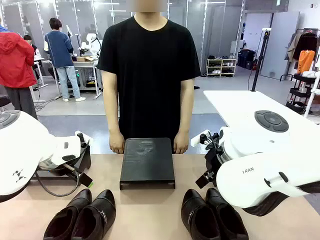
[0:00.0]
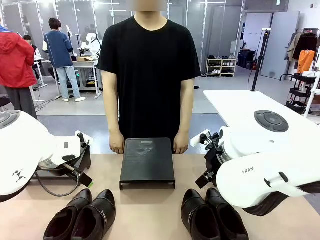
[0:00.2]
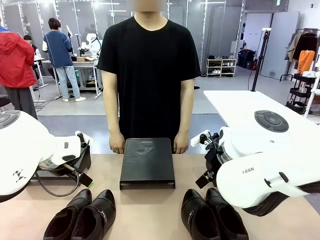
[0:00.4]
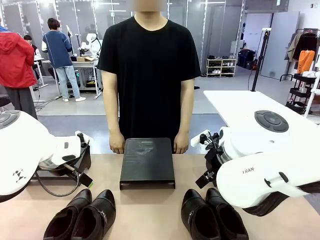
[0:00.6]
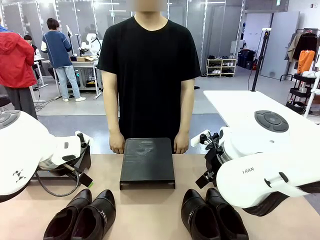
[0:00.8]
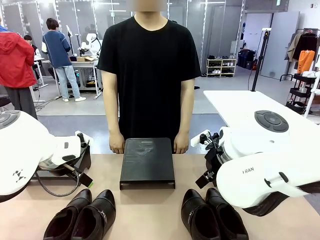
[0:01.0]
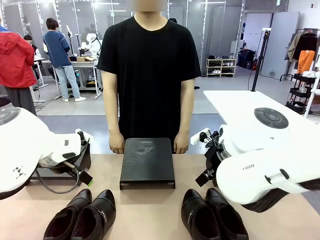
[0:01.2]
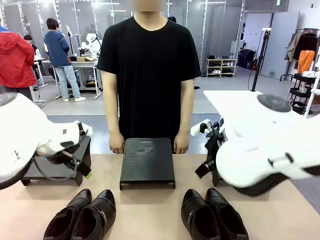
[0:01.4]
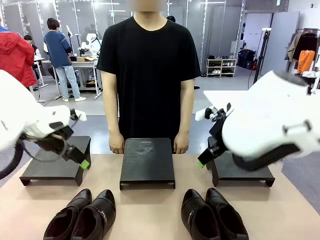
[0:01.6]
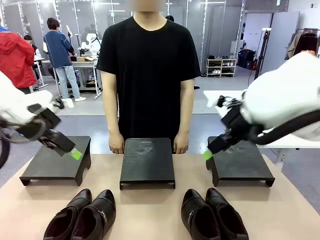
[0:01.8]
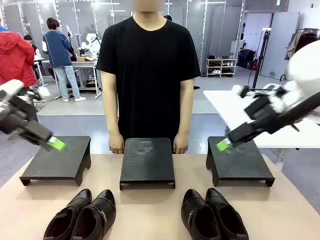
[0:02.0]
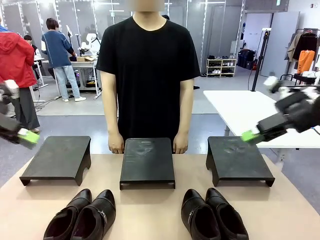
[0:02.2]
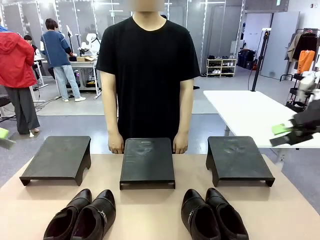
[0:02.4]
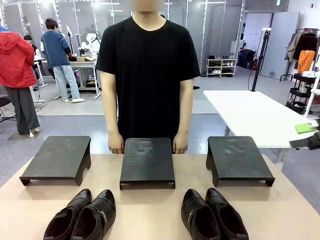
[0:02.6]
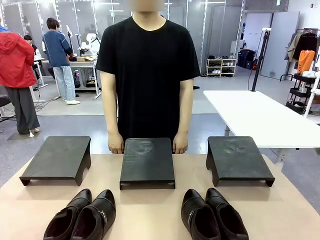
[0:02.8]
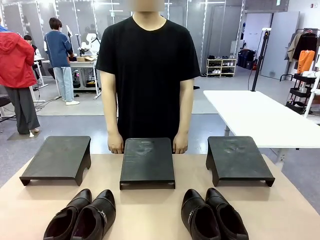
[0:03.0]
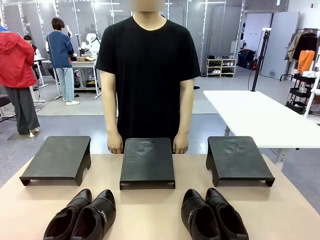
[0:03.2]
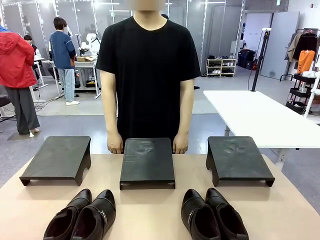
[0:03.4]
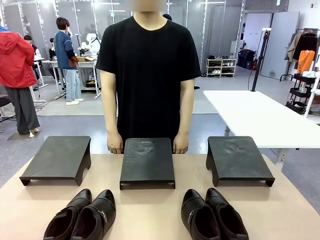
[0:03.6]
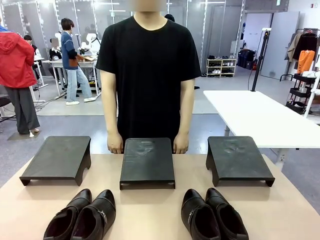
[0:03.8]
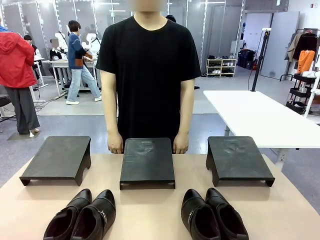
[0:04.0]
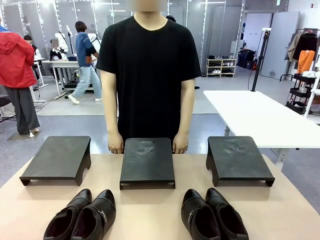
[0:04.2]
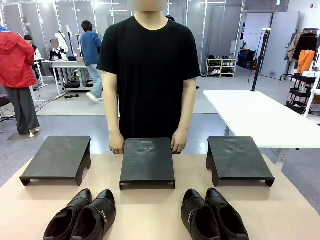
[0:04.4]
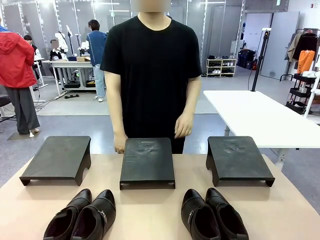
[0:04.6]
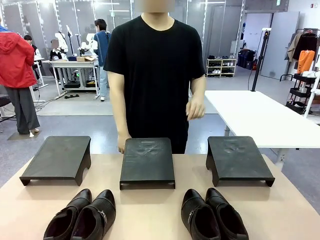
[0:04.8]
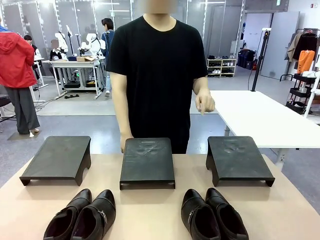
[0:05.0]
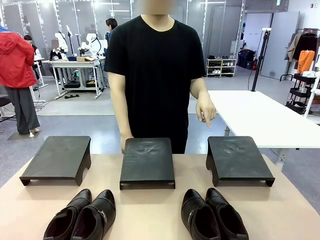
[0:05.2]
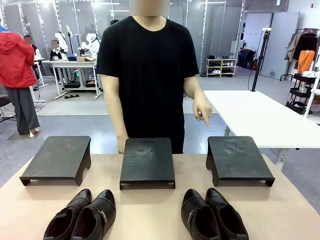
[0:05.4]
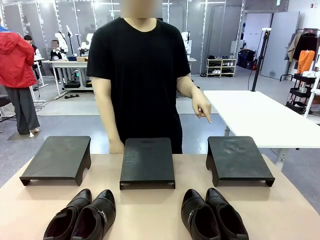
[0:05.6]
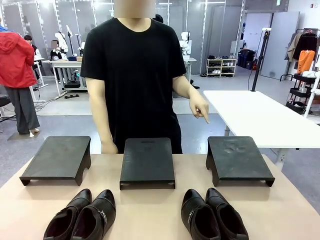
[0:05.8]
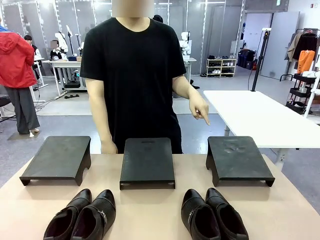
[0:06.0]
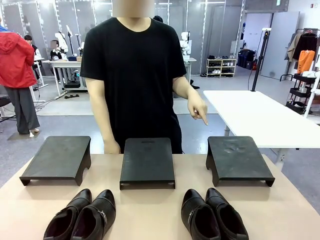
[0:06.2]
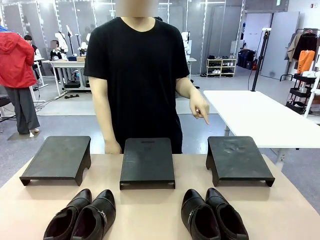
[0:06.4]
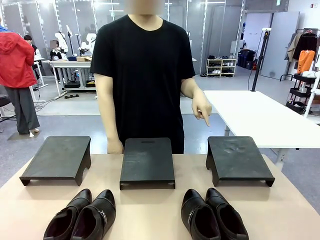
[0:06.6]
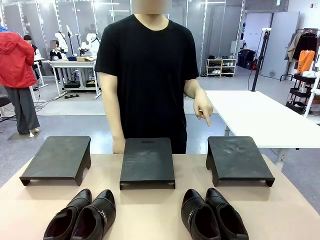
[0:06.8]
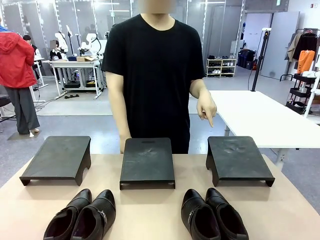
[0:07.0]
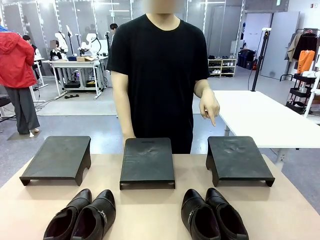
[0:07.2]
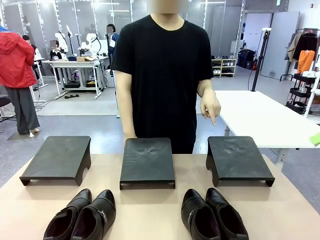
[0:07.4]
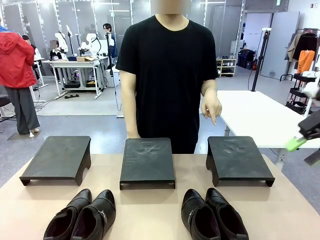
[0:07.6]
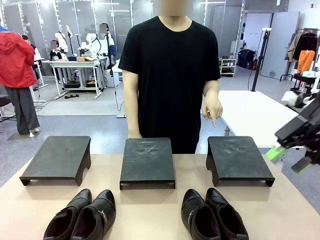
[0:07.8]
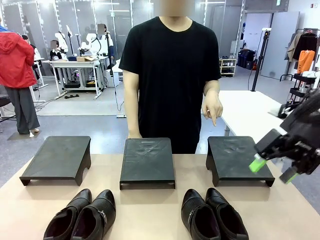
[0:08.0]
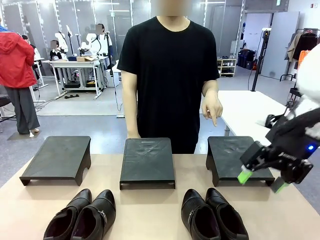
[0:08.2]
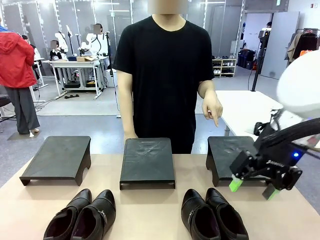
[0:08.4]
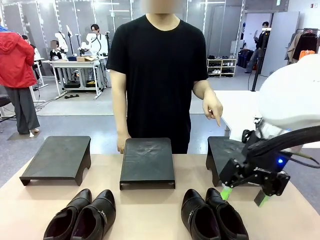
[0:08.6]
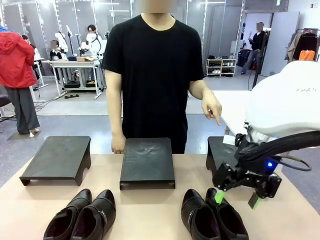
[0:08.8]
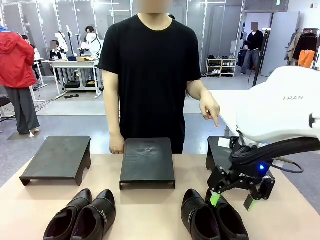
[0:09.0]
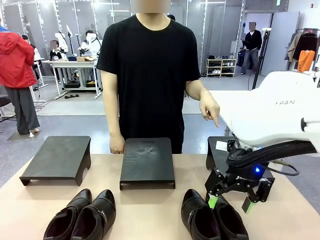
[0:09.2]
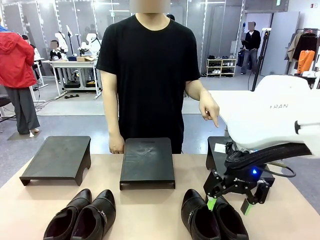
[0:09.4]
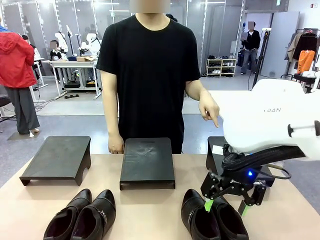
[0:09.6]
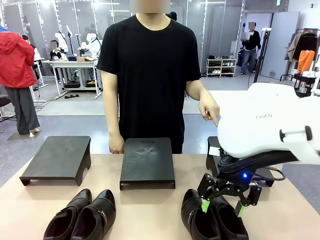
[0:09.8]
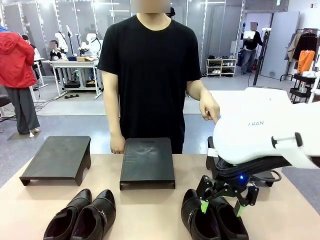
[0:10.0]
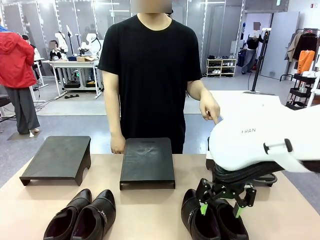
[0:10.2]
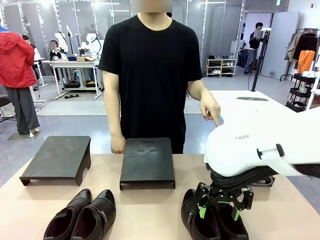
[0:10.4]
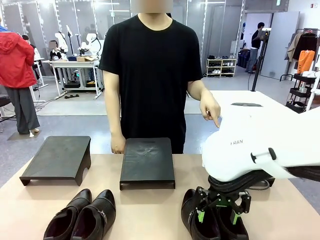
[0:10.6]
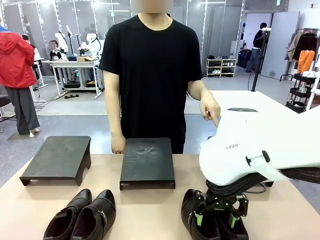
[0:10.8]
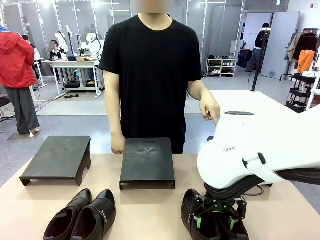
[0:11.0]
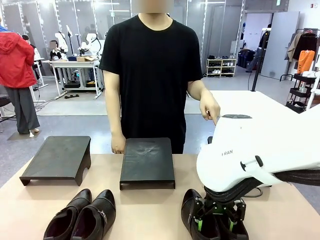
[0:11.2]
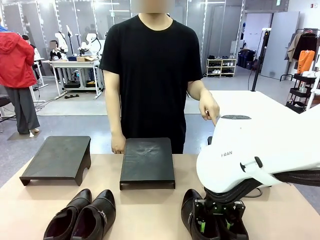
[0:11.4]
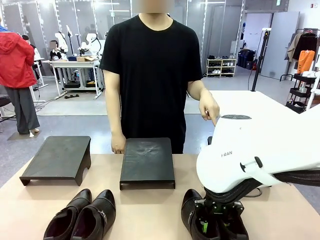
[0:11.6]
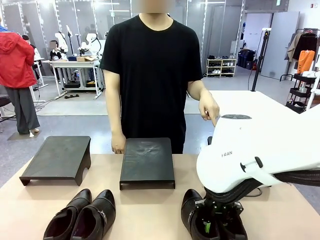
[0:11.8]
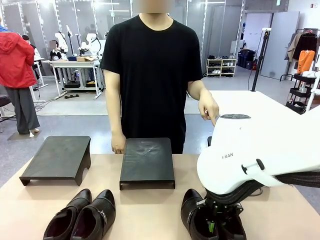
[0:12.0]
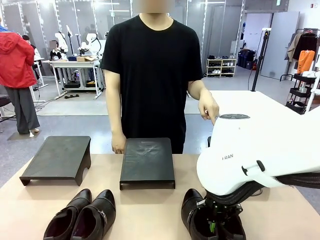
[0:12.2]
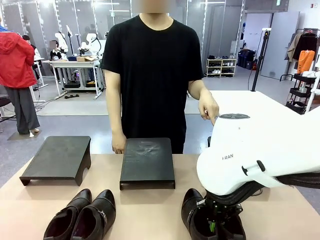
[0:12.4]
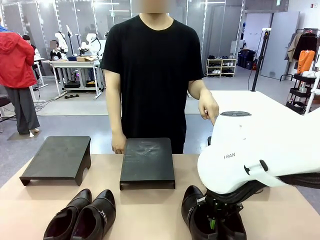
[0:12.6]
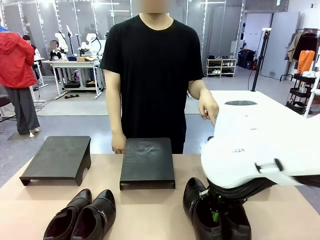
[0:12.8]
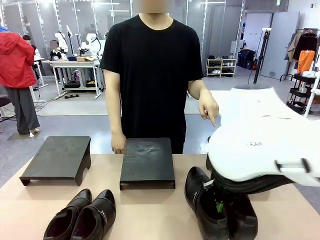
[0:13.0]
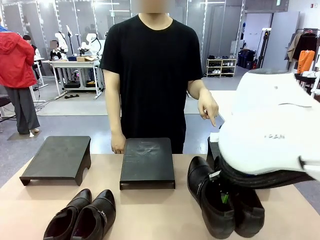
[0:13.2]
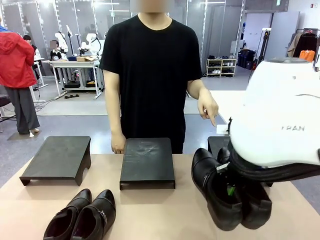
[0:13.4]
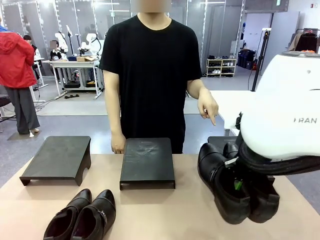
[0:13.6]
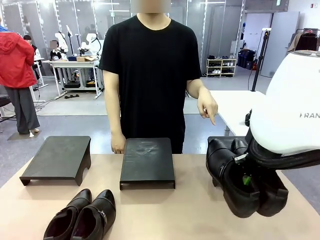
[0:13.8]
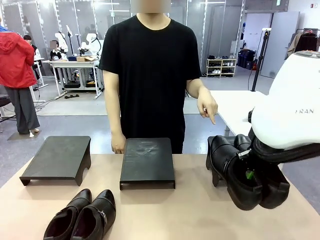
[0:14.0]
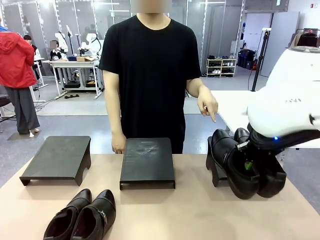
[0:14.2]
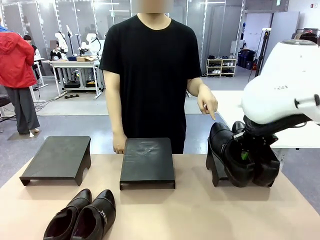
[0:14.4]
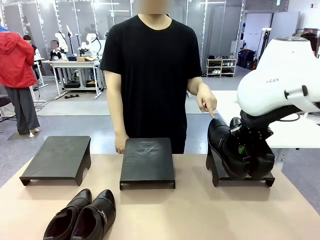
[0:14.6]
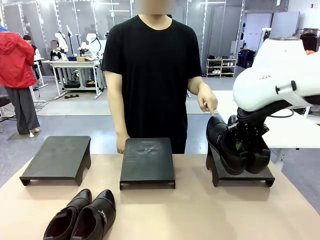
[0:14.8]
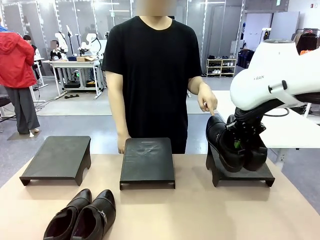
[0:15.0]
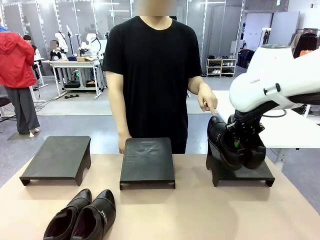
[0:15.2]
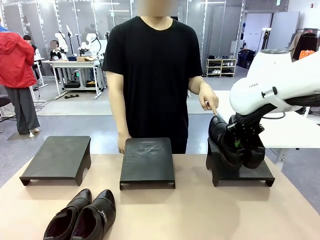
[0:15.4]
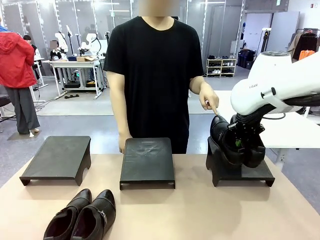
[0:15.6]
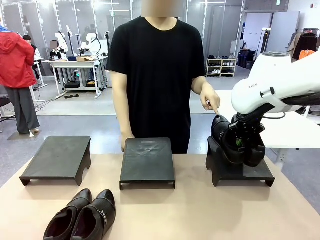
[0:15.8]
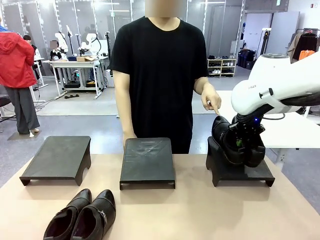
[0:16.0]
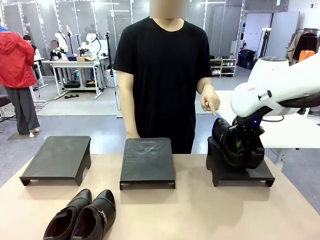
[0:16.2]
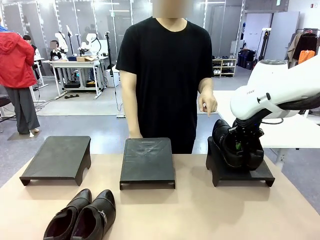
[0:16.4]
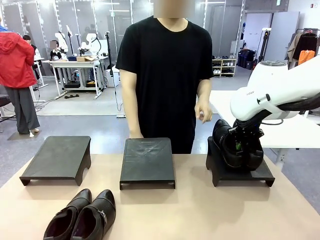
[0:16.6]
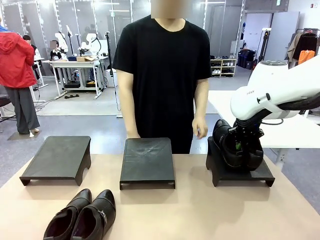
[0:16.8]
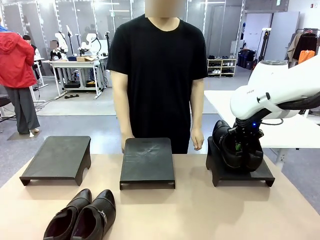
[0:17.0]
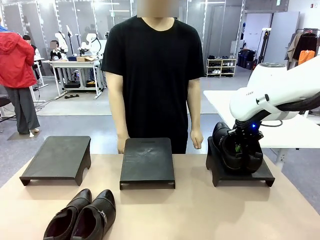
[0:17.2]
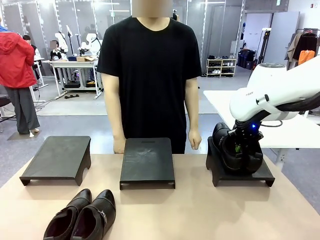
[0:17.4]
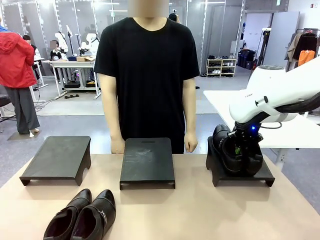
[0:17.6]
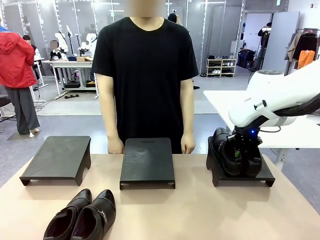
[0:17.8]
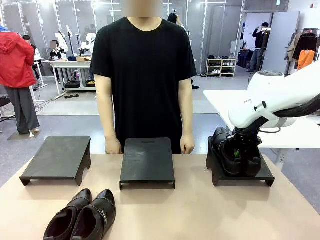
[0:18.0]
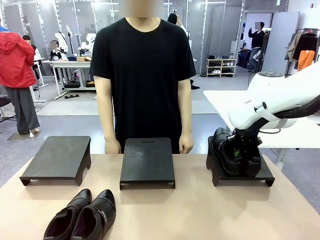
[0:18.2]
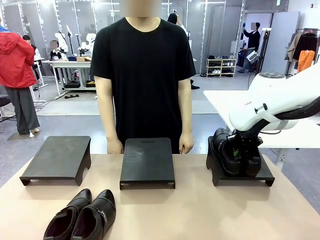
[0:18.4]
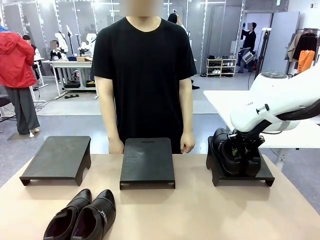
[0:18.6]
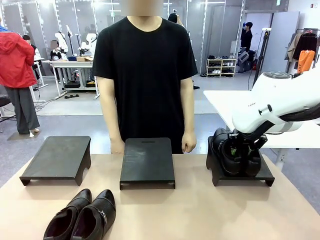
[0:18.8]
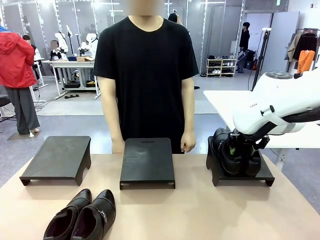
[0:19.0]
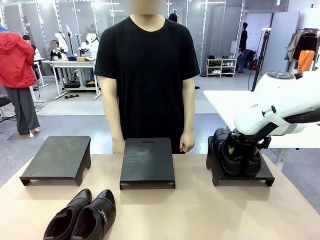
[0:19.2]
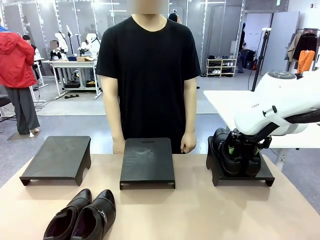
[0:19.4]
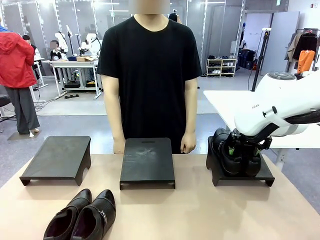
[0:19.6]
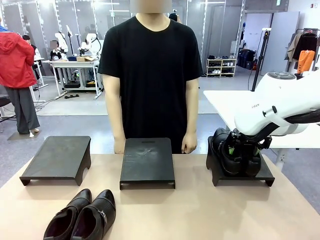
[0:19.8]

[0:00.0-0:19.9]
Task: Place the shoes on the stand as instructed by the person.
Robot: Pick up one pair of Shoes and place it on the Shoes Stand indicated by the person.
